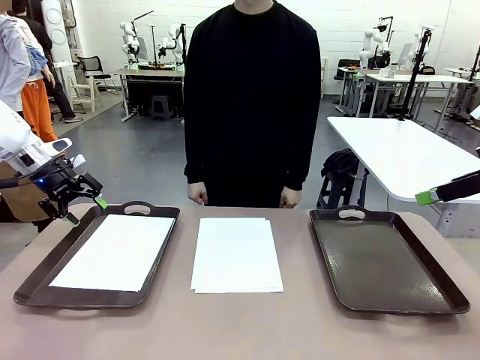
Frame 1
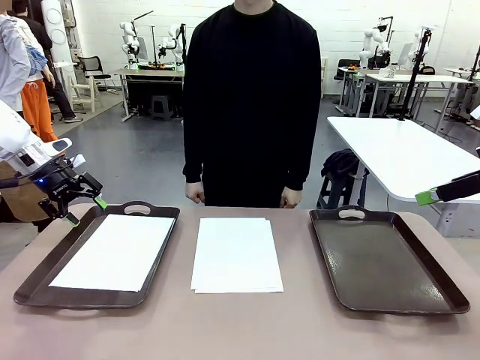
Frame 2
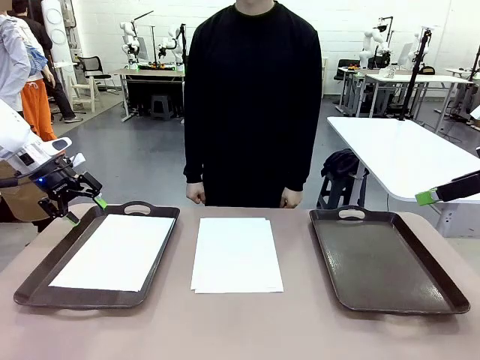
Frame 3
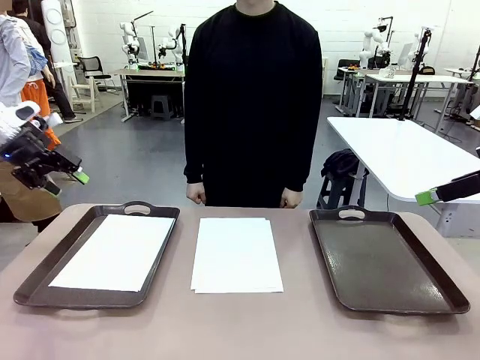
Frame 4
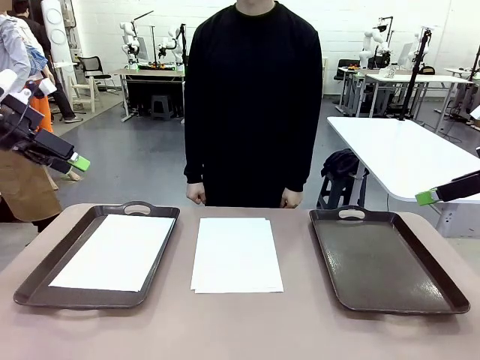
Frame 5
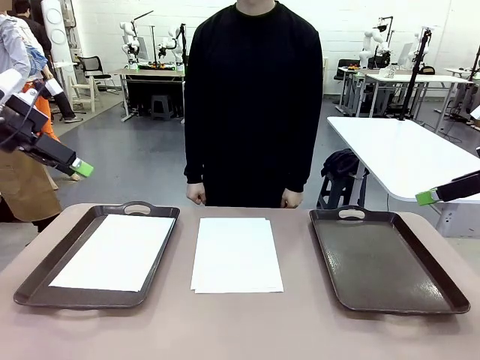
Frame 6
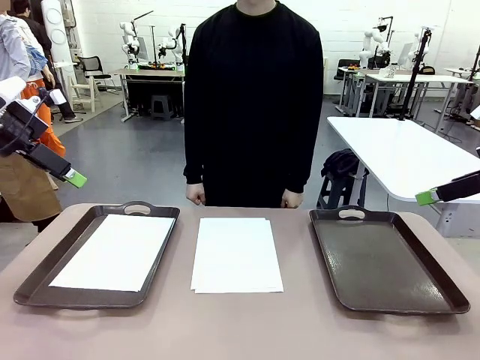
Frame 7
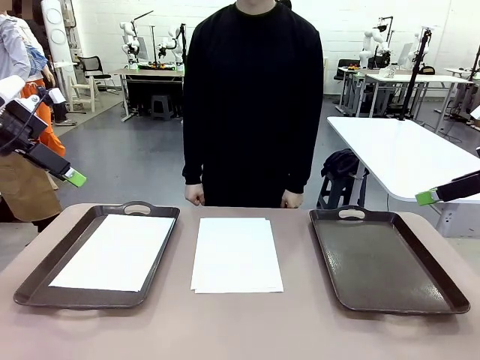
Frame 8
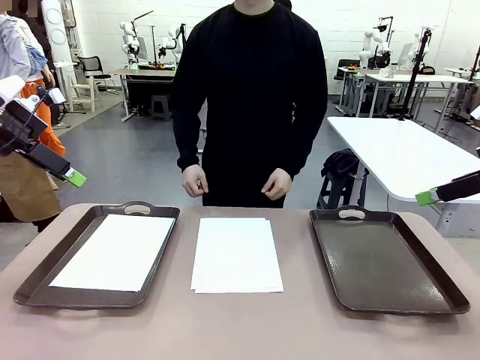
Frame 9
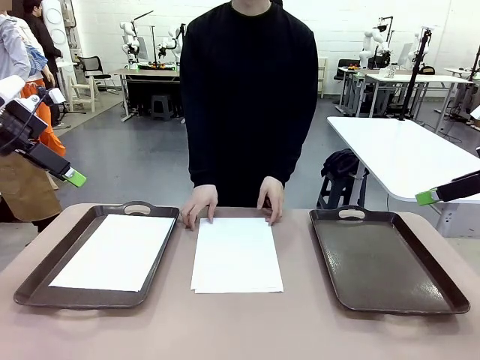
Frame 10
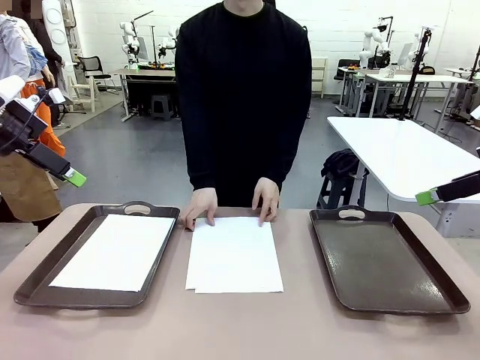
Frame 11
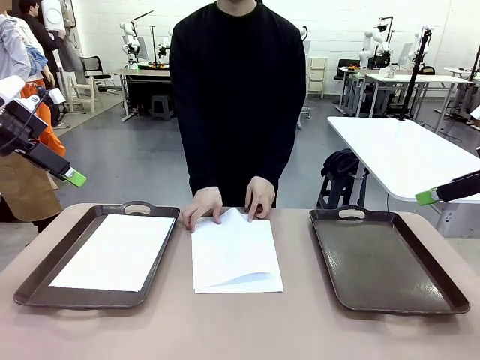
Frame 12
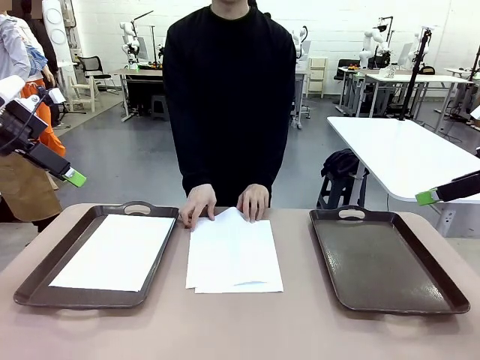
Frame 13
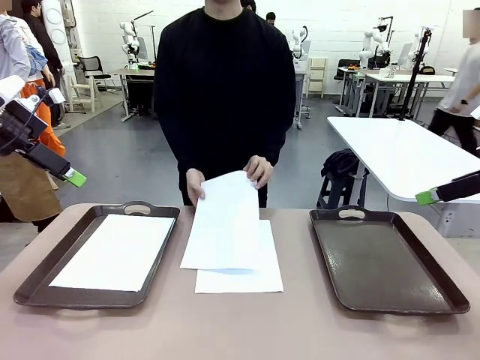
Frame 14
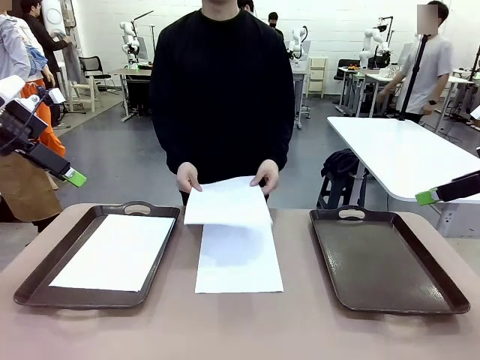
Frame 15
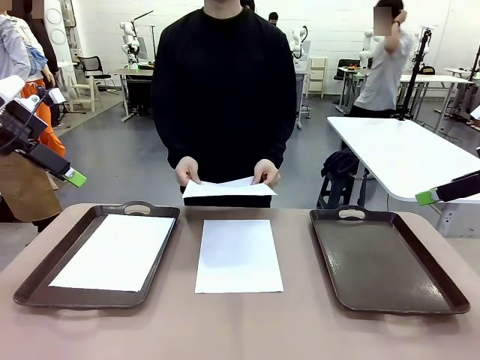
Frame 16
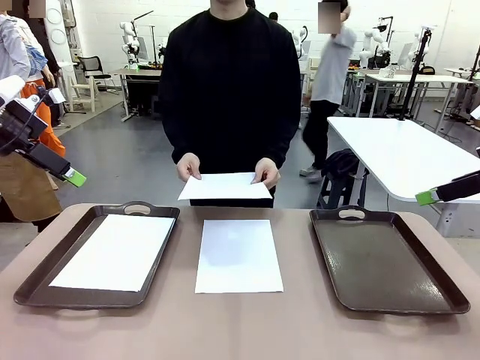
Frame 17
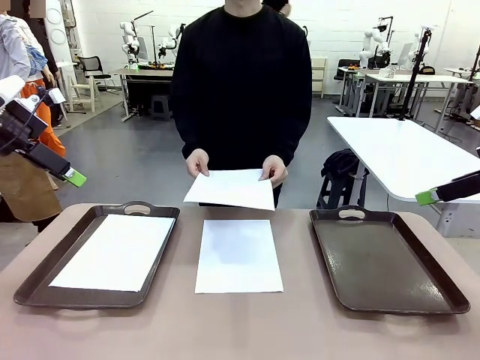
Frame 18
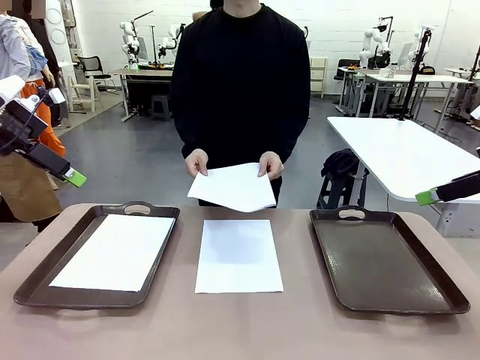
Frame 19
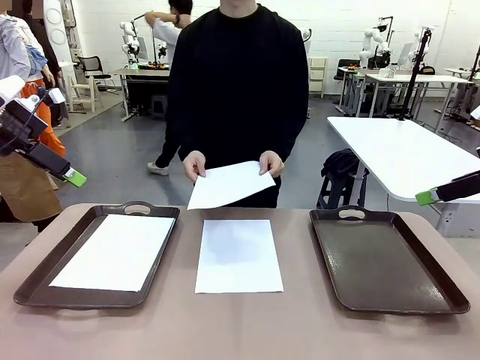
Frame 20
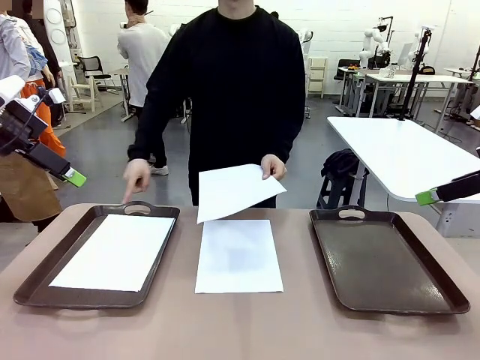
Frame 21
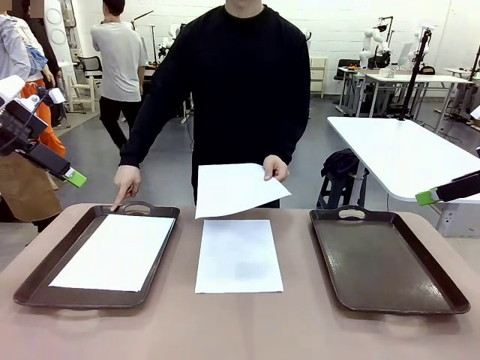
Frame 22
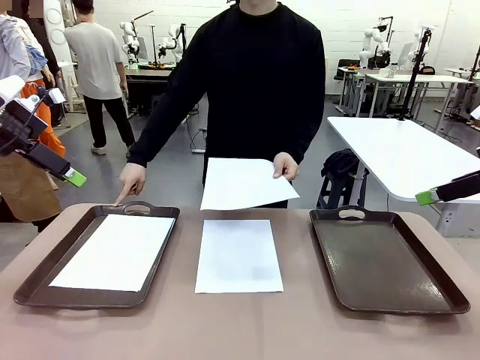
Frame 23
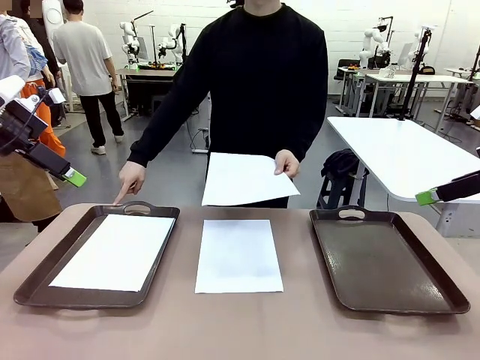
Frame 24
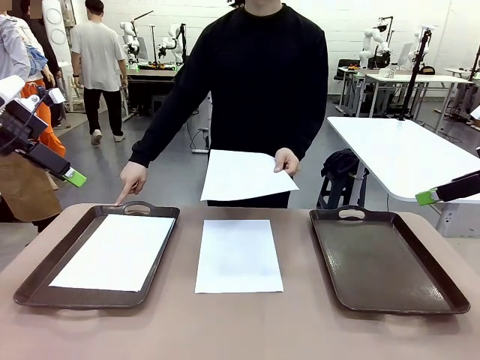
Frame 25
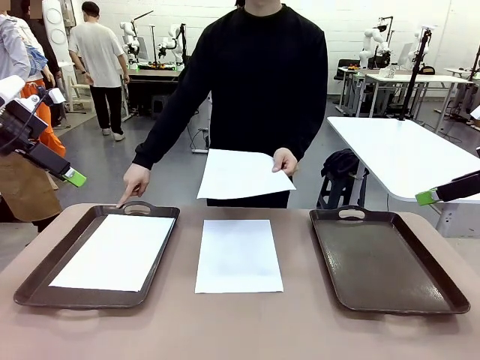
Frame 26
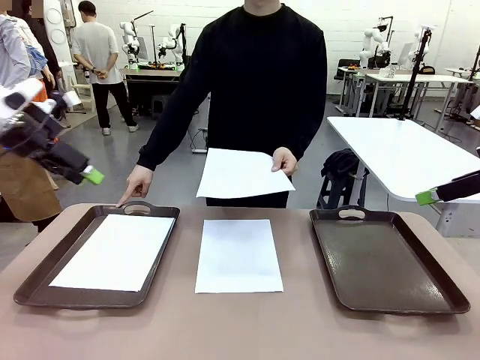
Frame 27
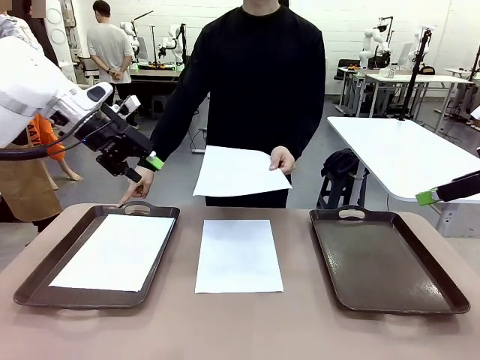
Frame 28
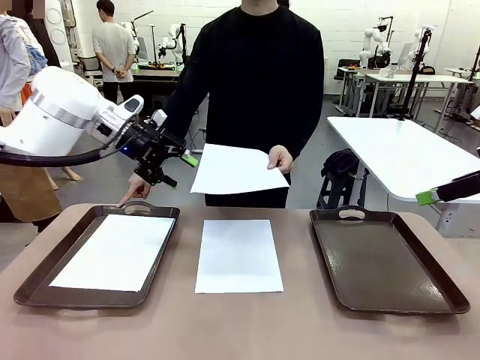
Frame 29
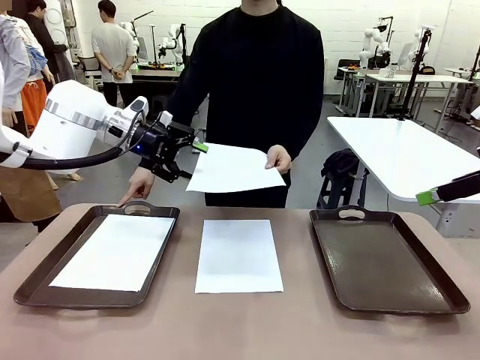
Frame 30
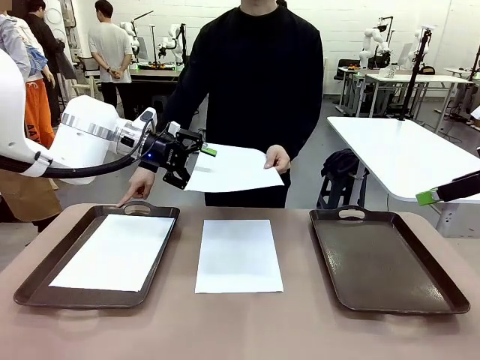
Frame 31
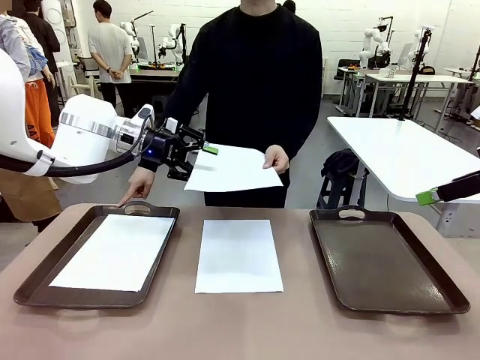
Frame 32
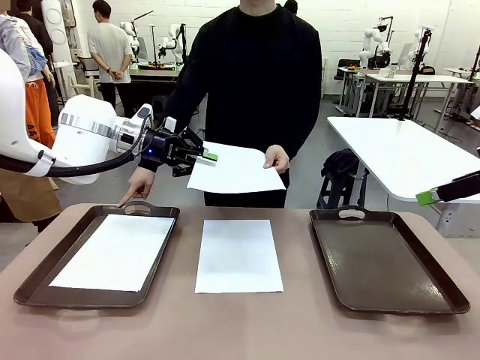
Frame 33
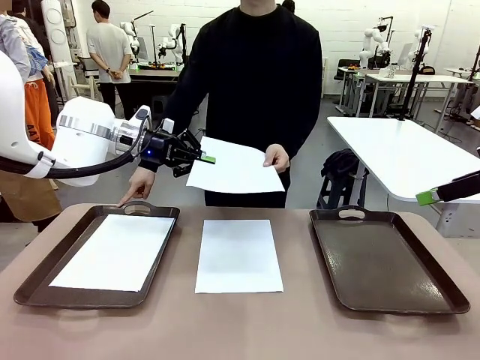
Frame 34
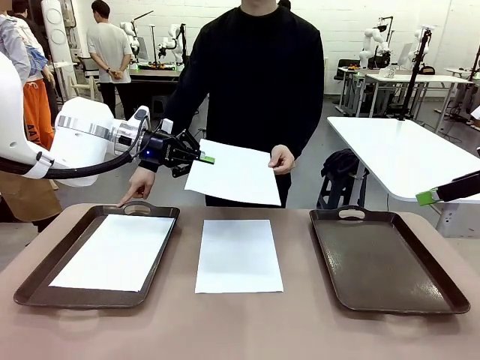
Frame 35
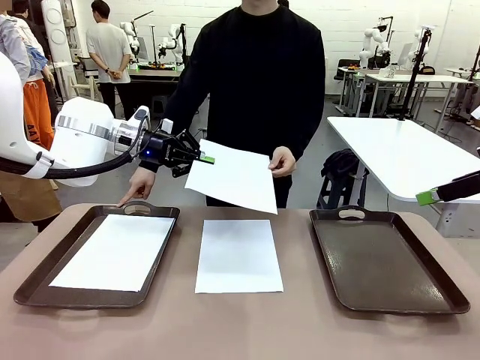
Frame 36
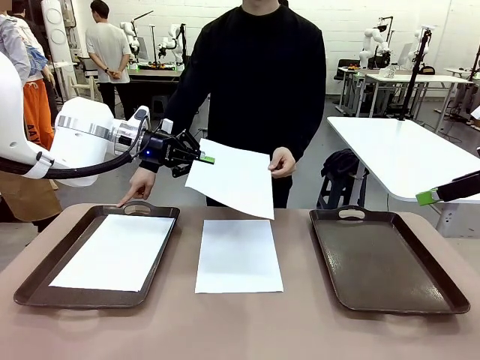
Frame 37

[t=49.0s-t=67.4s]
Task: Sort the A4 documents.
Robot: Receive the A4 Paper.
Person: Point the randomly selected tray with the other hand.

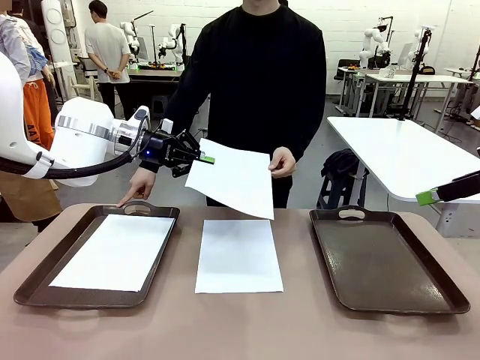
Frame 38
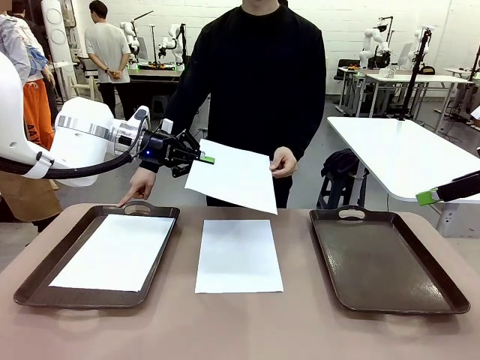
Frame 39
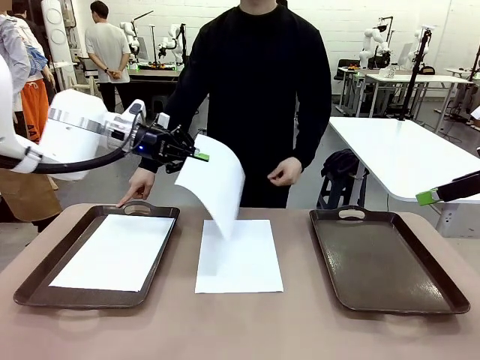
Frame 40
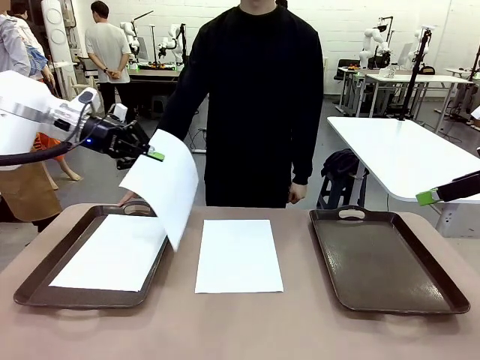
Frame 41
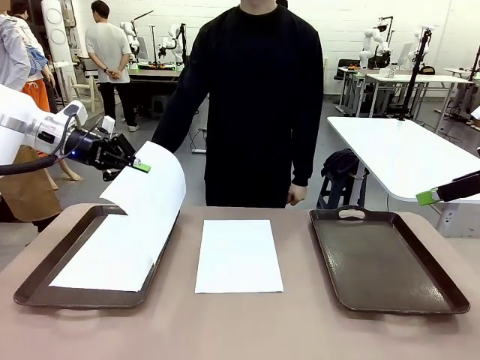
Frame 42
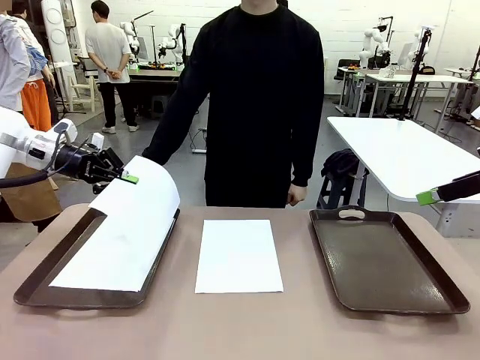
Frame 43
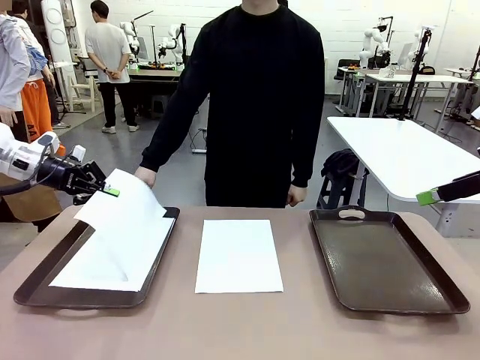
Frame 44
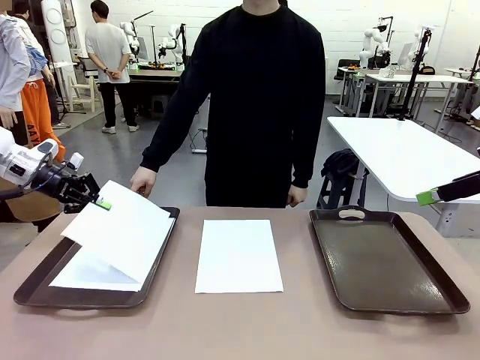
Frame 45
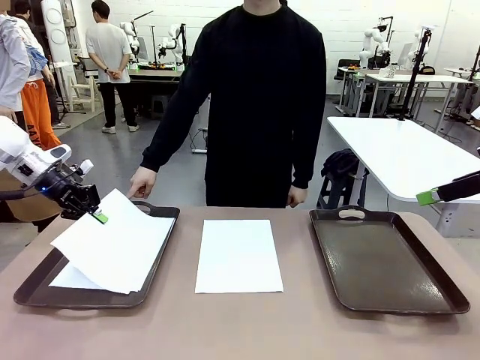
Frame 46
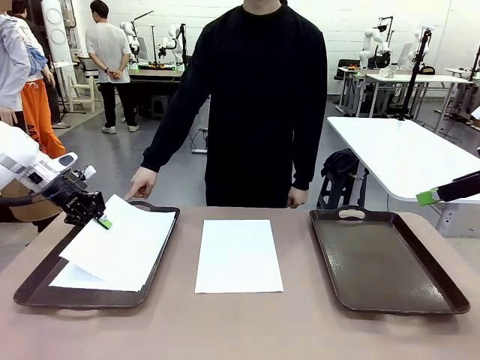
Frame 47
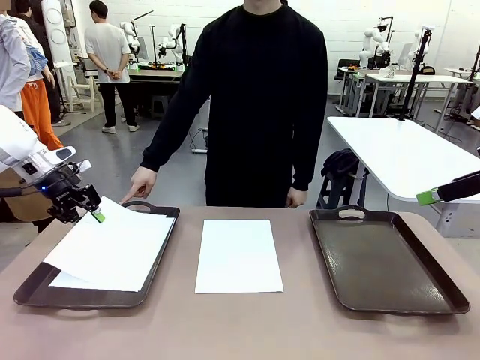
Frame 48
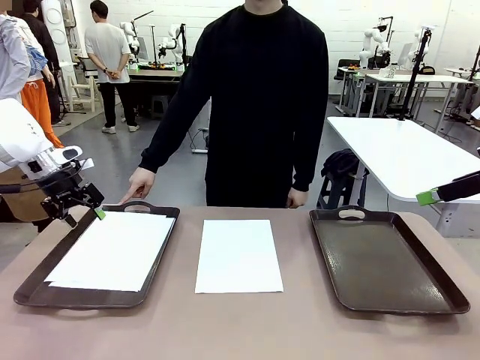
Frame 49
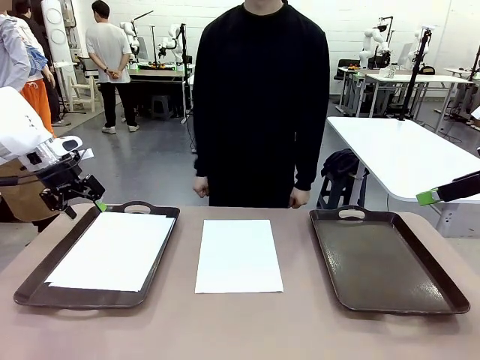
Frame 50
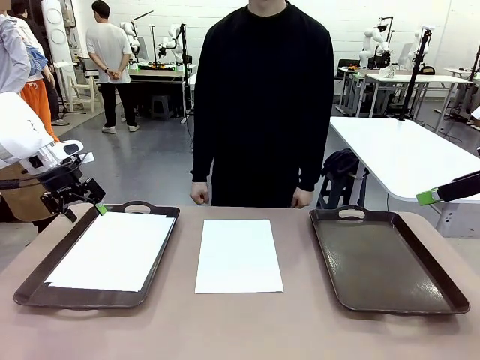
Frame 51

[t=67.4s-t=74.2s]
Robot: Place the A4 Paper in the designated Handle tray.
